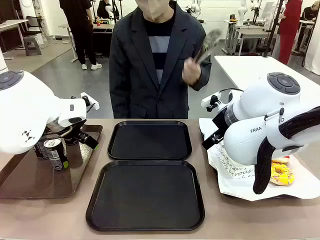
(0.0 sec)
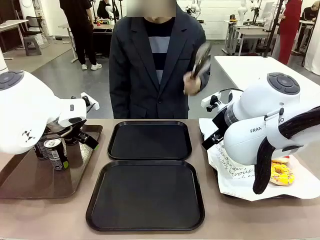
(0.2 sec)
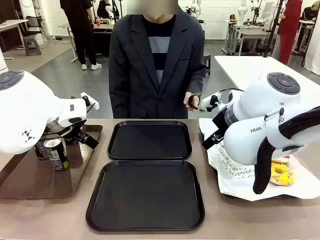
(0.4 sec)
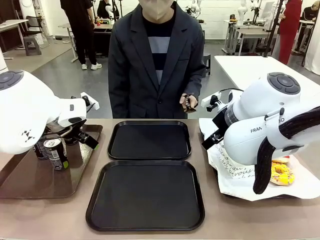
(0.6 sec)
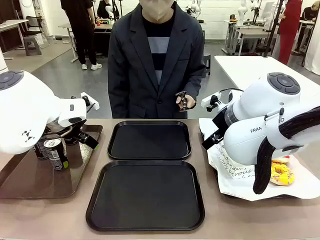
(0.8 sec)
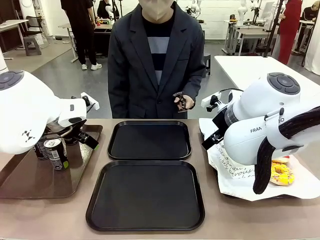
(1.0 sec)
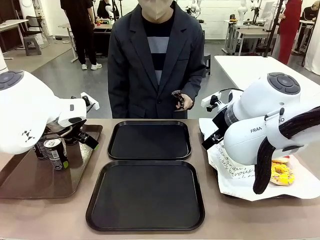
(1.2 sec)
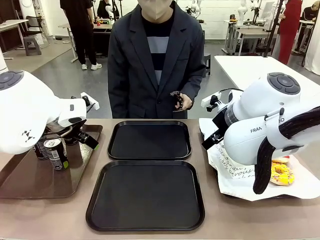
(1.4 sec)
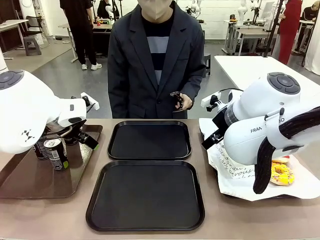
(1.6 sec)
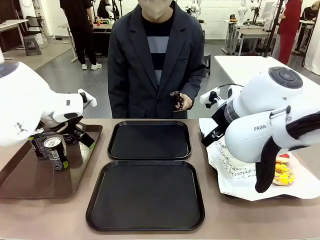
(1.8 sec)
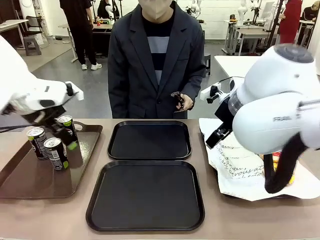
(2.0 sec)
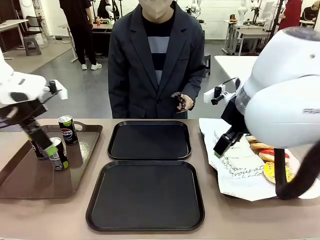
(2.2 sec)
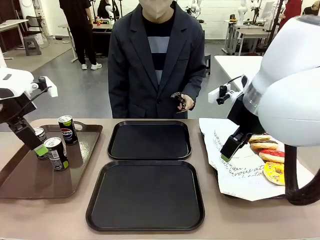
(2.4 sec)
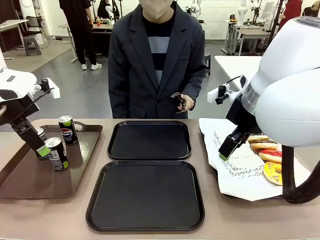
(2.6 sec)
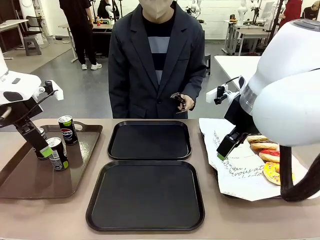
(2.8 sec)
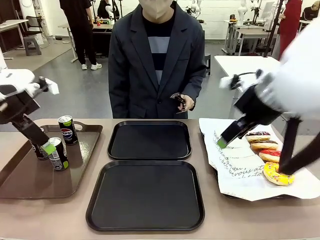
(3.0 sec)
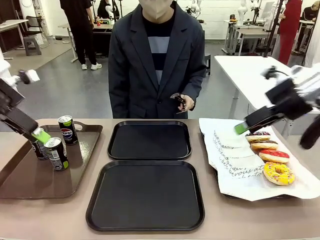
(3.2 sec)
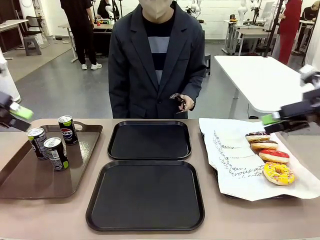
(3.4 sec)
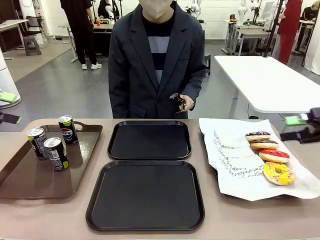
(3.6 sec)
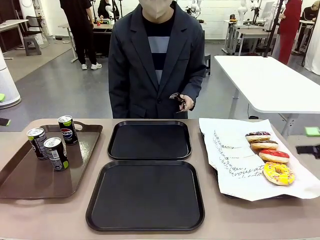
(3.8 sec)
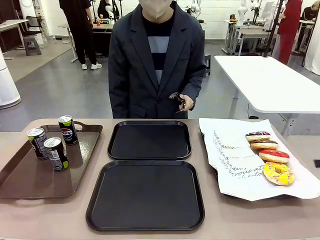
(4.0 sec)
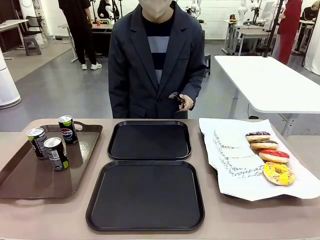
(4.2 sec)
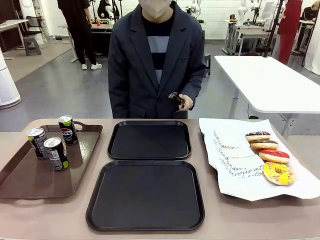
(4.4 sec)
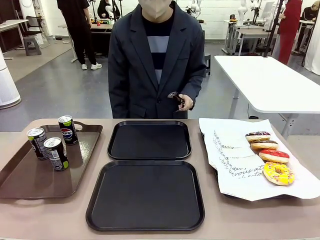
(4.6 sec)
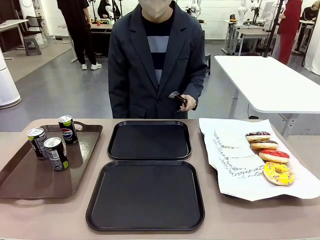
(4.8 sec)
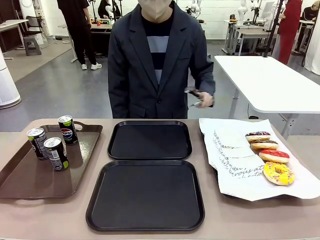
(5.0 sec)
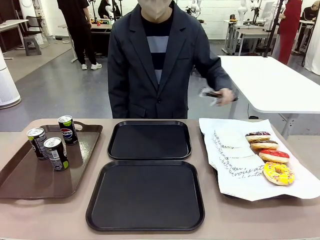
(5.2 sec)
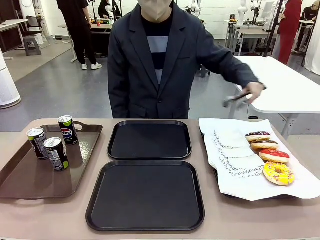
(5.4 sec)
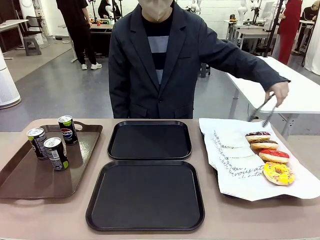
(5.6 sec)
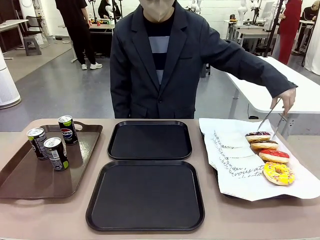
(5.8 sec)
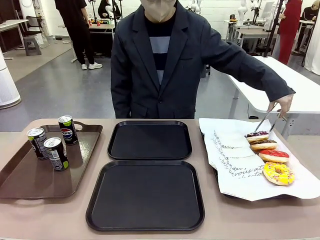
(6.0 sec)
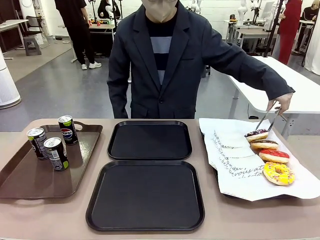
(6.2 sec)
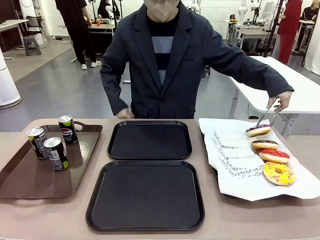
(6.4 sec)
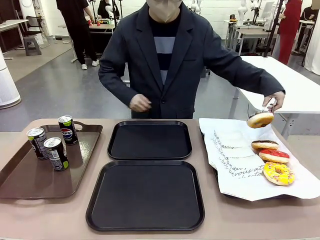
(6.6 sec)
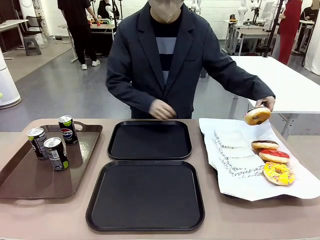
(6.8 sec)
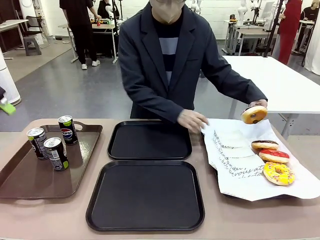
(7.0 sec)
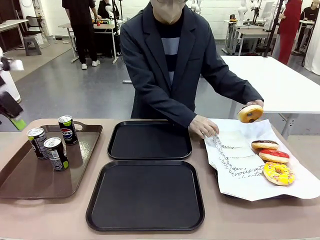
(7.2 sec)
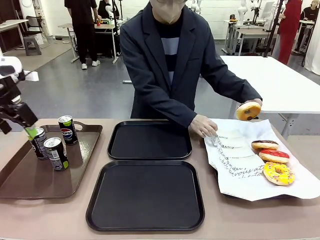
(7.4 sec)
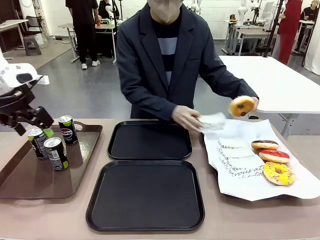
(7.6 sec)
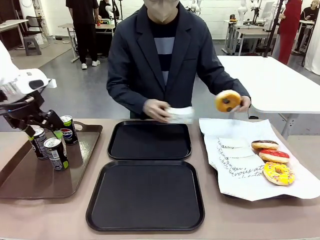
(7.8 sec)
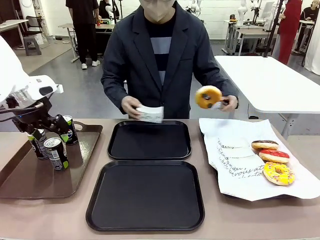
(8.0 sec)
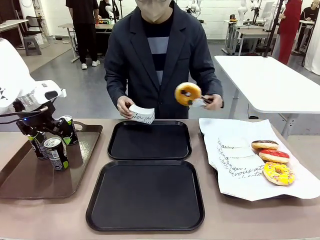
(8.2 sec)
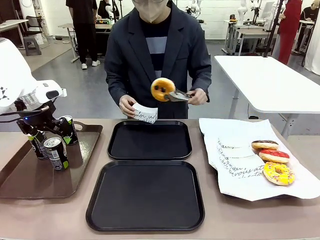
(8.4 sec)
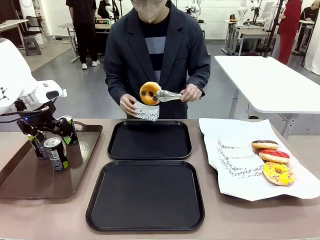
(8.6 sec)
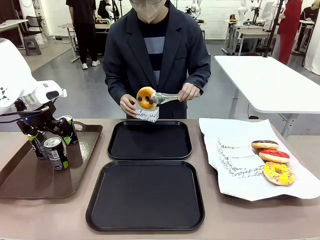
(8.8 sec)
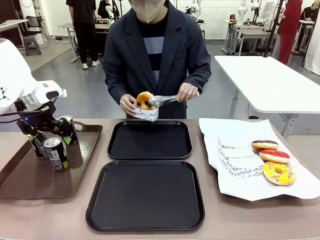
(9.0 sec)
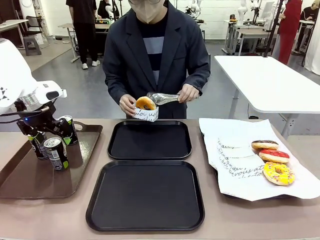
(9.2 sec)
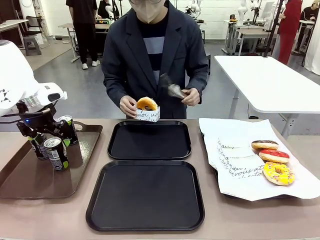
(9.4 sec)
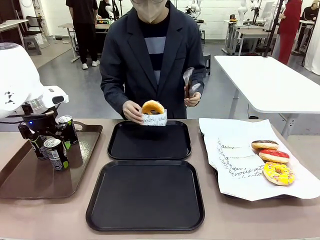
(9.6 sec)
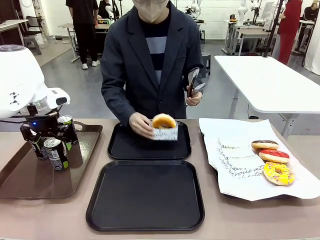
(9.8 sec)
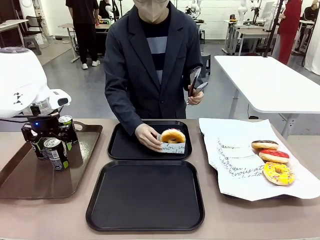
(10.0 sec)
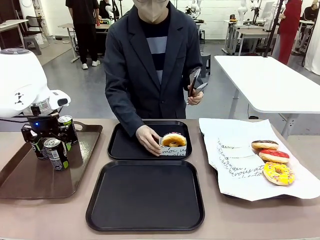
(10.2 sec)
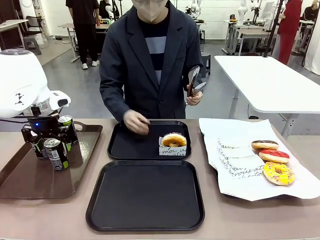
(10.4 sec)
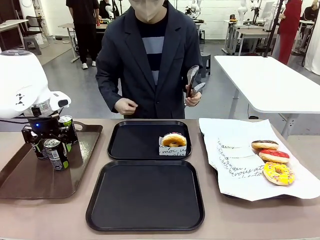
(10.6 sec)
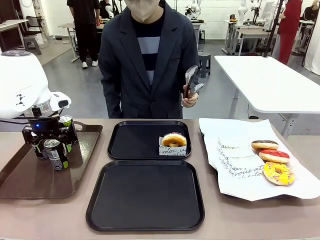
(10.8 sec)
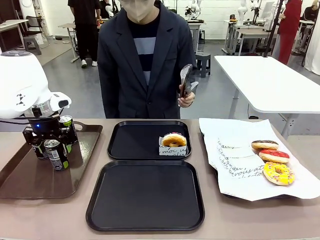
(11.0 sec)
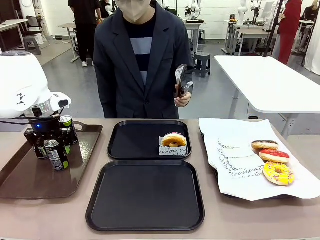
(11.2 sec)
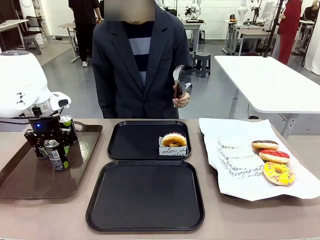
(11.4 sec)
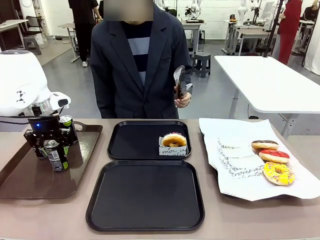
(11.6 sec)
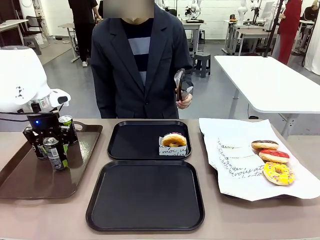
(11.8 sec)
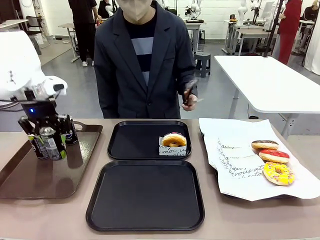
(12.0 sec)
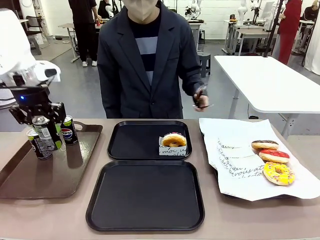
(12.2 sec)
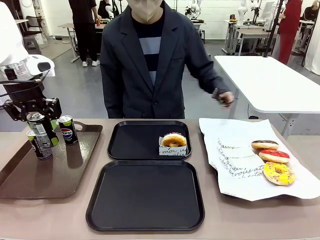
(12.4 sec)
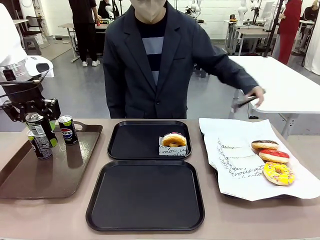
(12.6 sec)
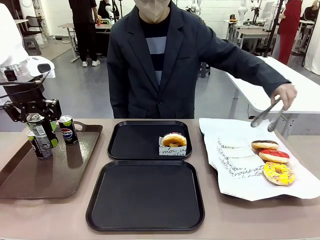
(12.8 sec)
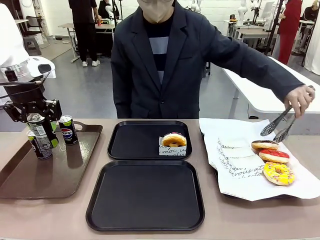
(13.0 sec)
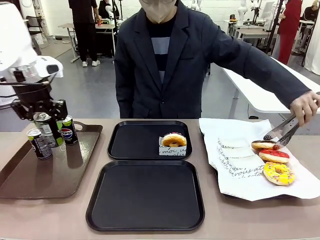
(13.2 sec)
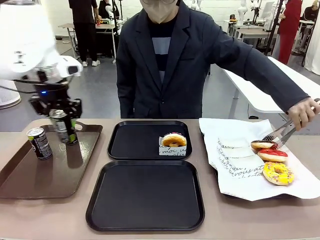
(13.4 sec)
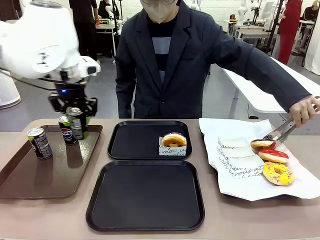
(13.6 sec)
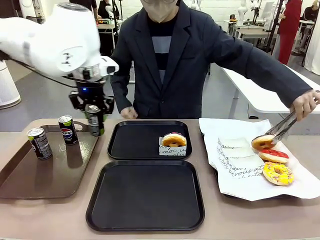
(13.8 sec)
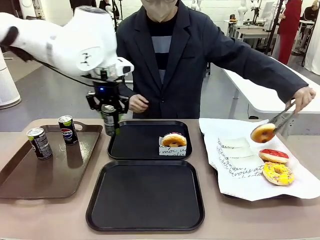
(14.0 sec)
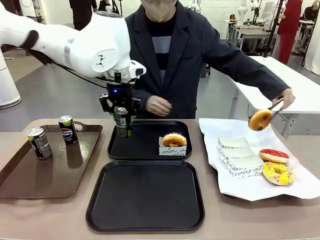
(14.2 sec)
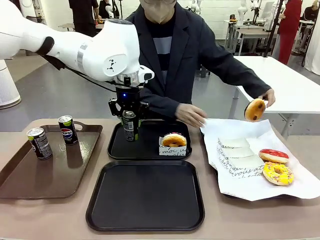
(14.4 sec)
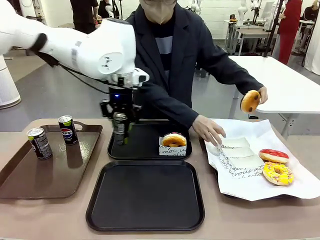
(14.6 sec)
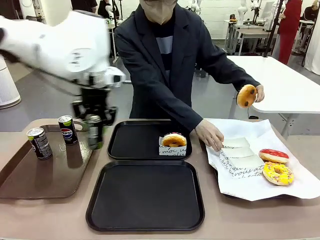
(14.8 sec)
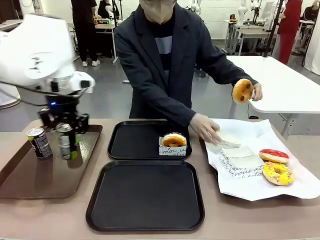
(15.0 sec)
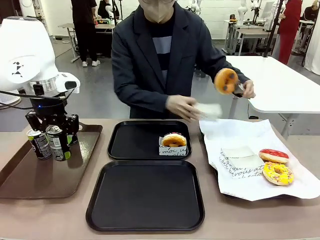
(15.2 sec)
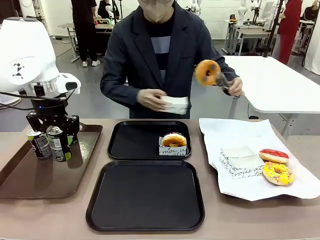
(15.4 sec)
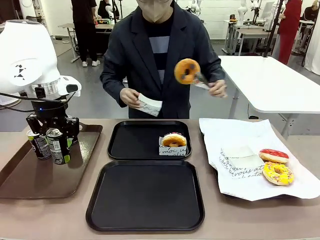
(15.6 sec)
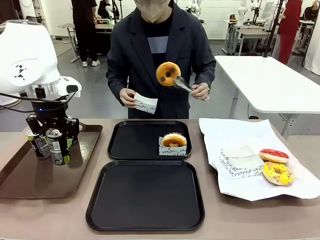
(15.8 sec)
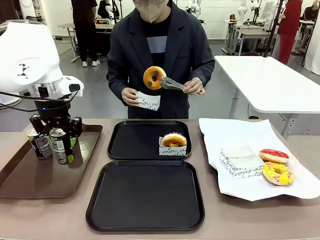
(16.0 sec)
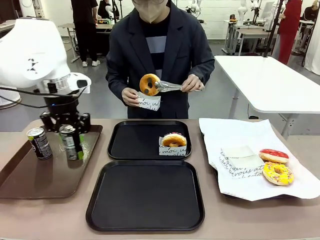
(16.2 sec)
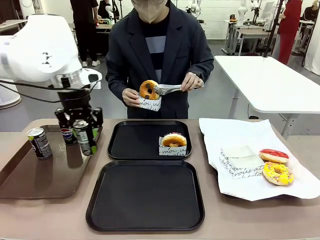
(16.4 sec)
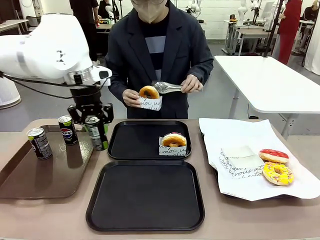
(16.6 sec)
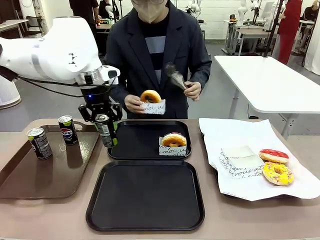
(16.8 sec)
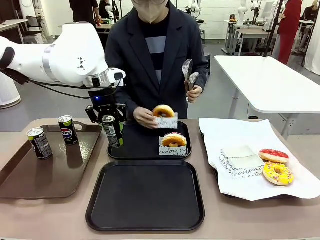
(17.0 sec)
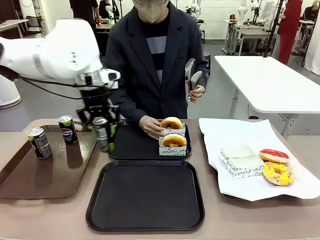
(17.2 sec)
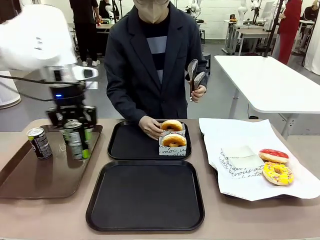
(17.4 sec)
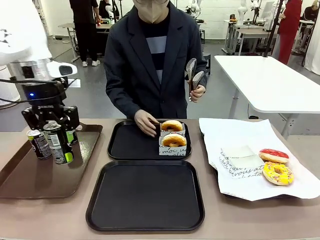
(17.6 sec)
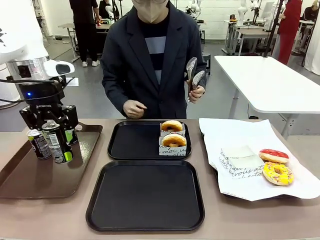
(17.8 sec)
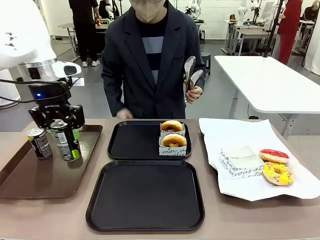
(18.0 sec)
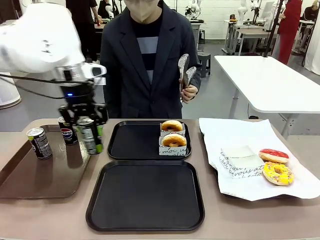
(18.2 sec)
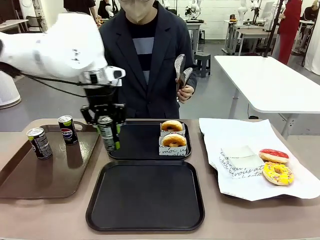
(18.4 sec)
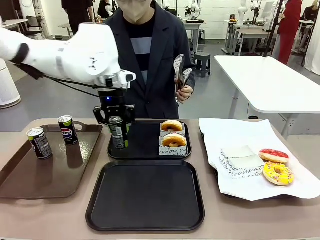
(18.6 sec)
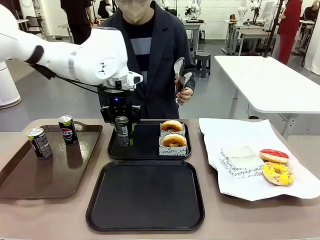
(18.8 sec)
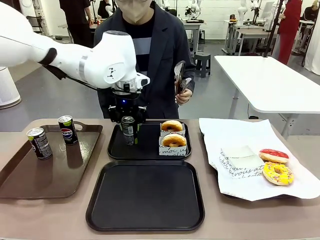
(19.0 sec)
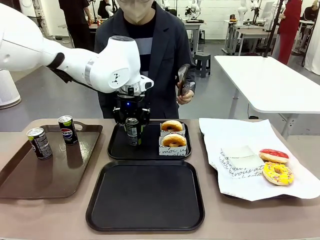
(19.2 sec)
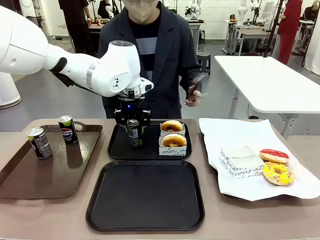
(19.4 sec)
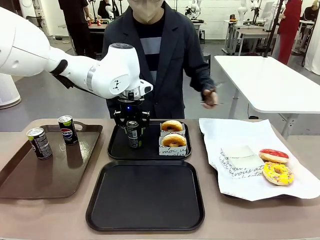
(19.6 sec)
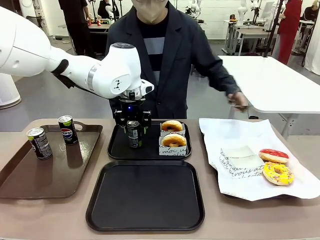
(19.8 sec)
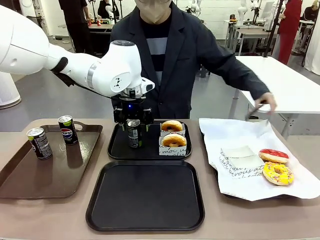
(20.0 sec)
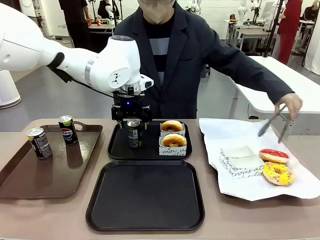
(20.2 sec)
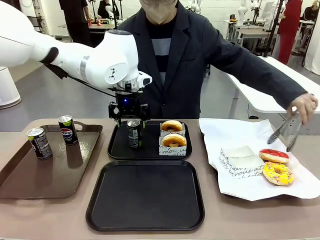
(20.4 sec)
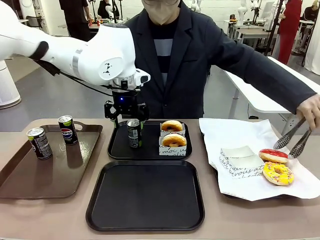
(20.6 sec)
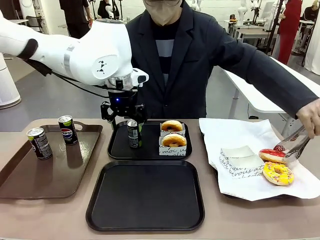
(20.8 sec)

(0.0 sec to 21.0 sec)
Task: Set up donuts and drinks on trays.
Robot: Pick up one Pepsi coke and place it on the Flat Tray.
